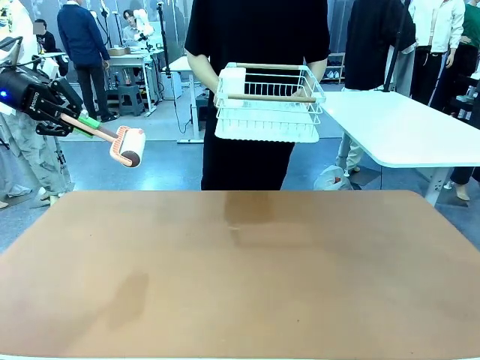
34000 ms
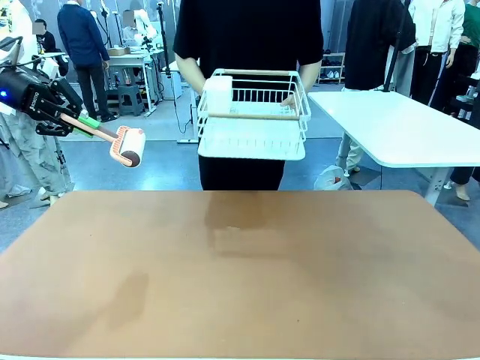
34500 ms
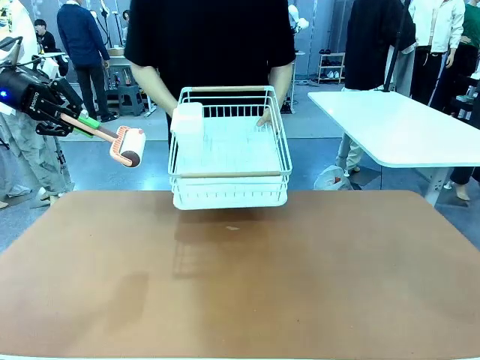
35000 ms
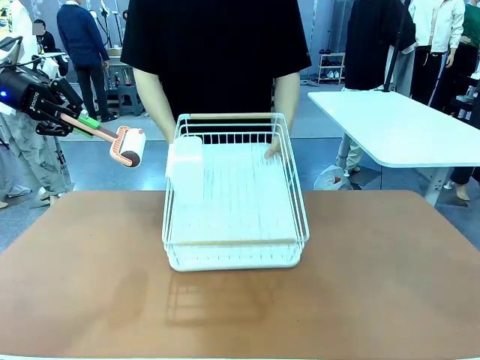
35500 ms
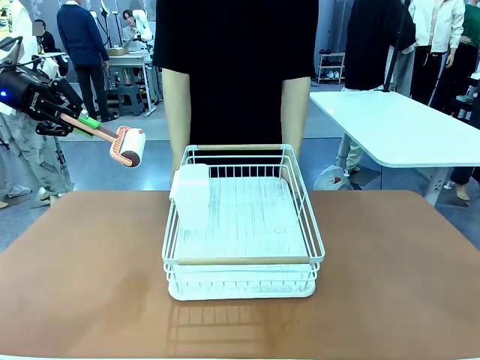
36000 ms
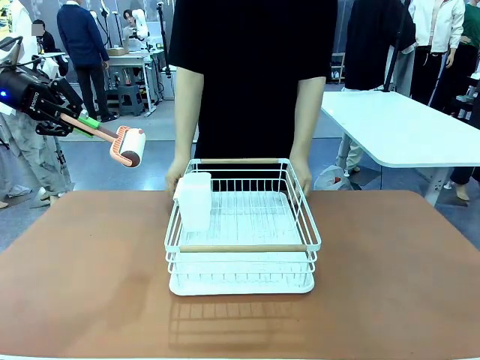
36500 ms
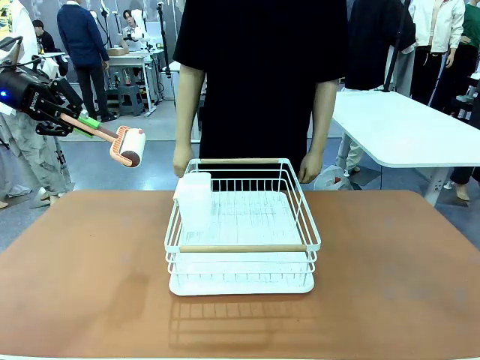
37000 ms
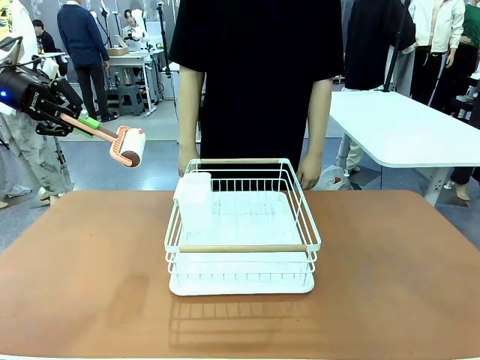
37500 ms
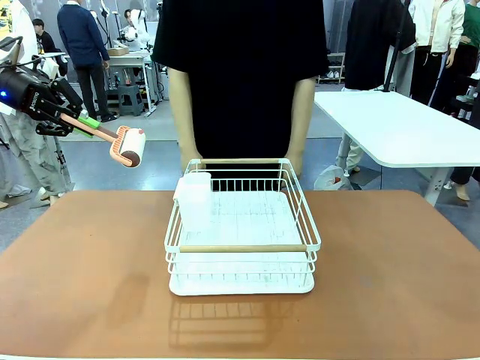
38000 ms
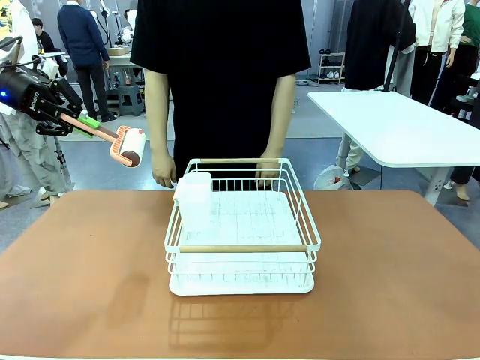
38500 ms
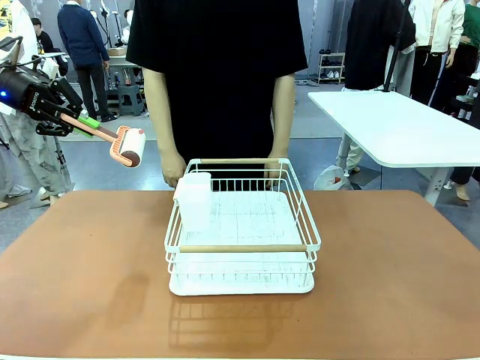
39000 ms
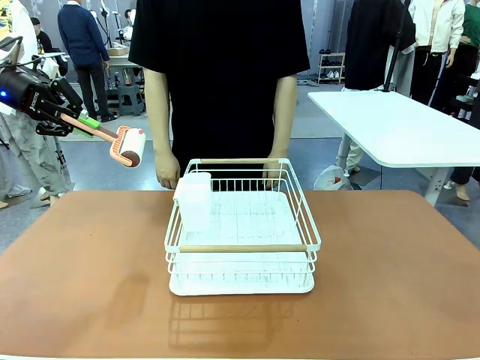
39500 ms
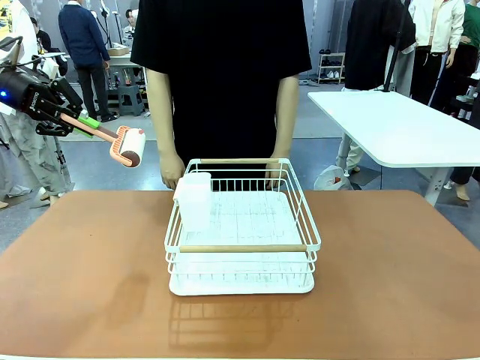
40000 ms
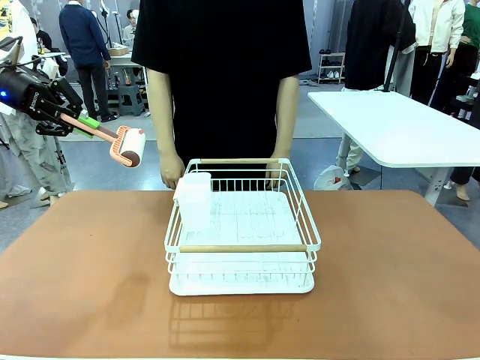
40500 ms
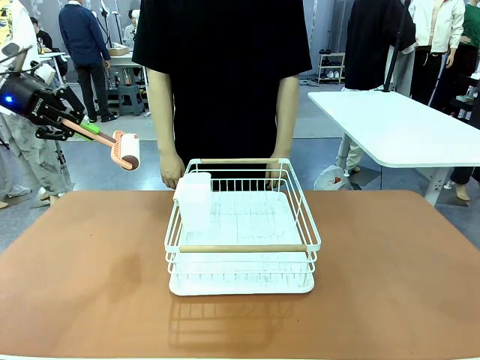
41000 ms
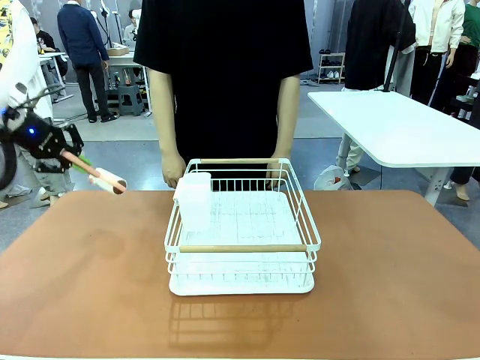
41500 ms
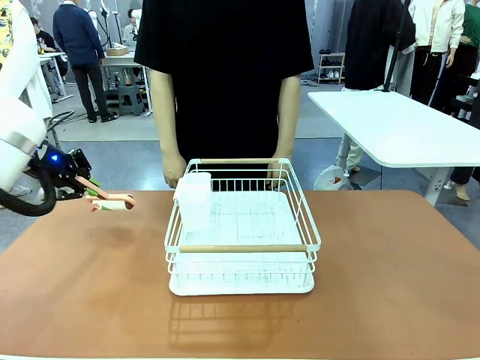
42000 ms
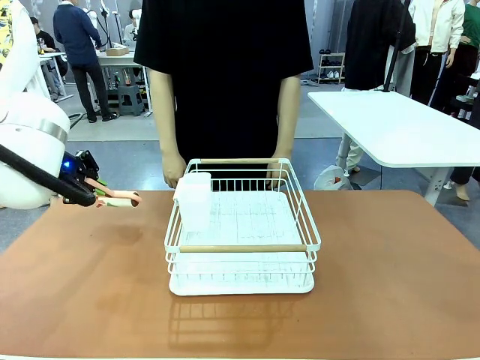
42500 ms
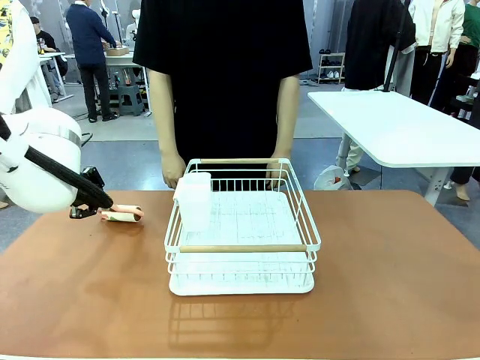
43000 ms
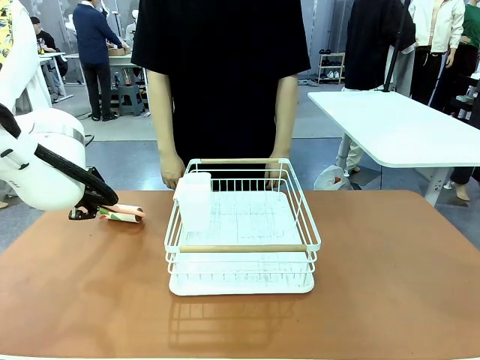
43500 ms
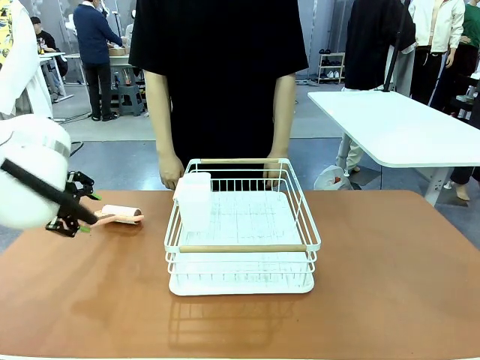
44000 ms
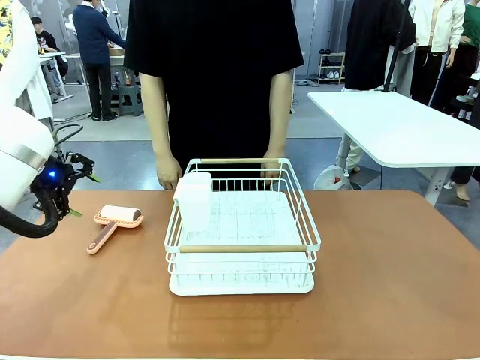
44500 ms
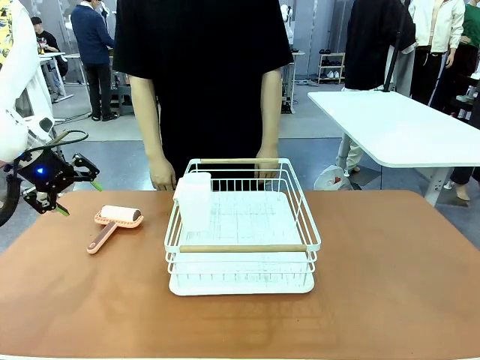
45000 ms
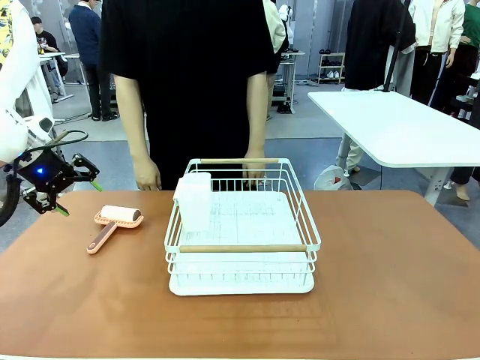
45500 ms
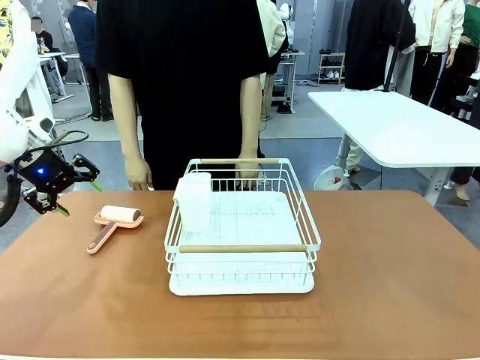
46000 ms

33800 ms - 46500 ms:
Task: Clean the table.
Robot: Place the Lint Roller down when the Dish drying rack is positioned in the middle of the table.

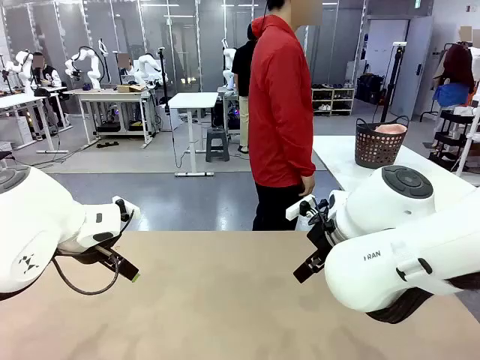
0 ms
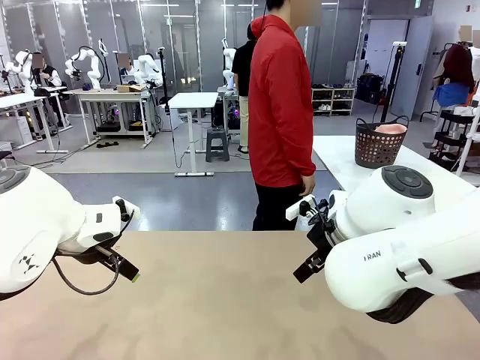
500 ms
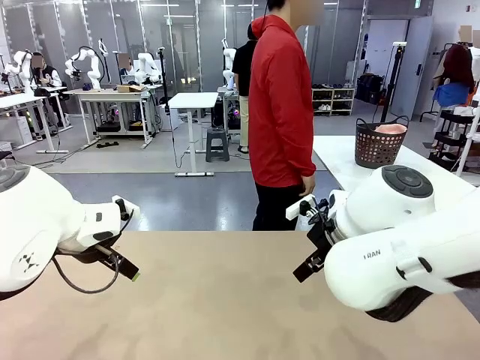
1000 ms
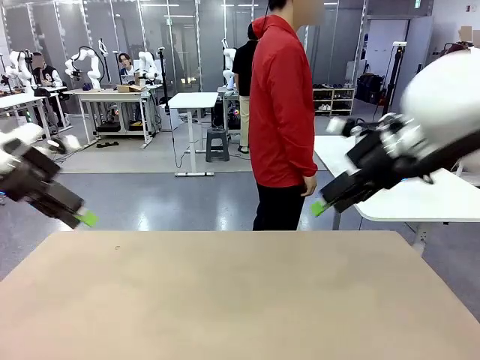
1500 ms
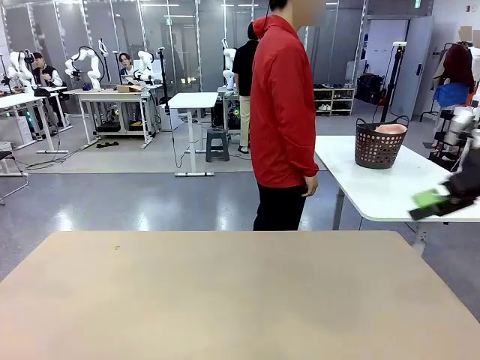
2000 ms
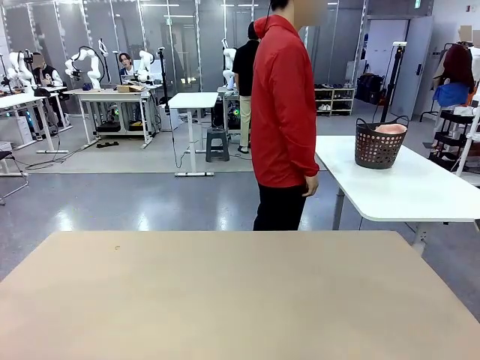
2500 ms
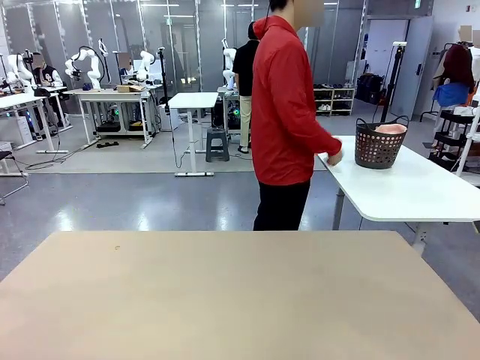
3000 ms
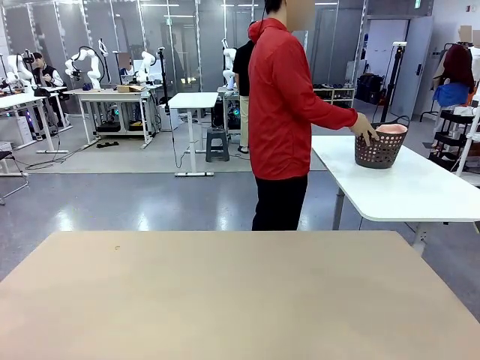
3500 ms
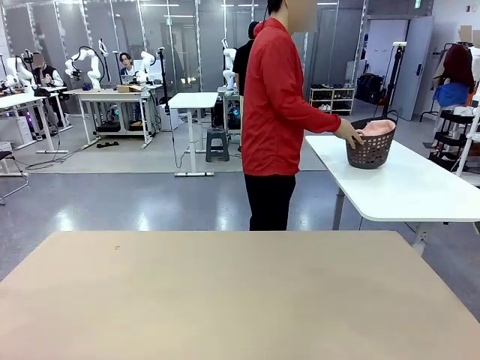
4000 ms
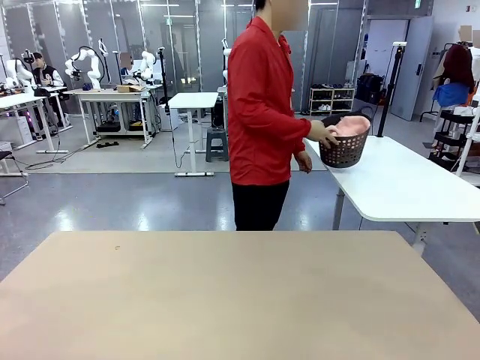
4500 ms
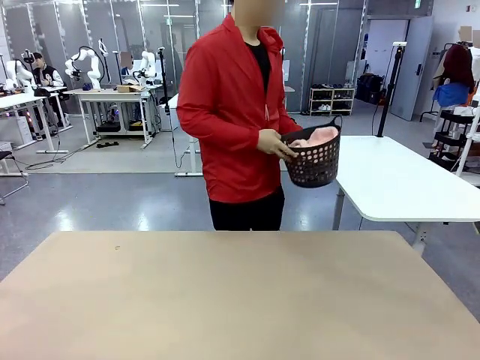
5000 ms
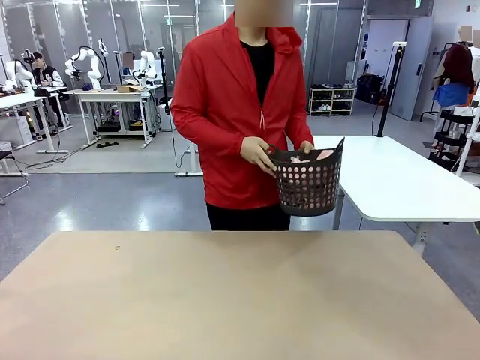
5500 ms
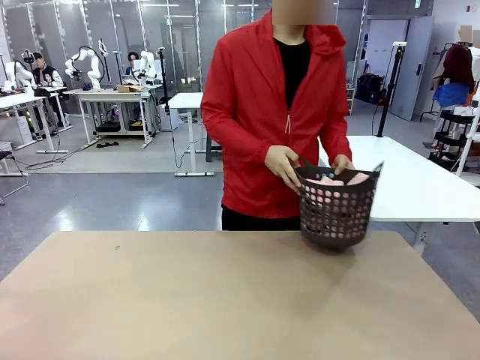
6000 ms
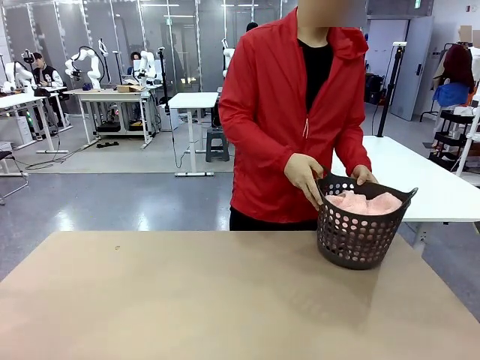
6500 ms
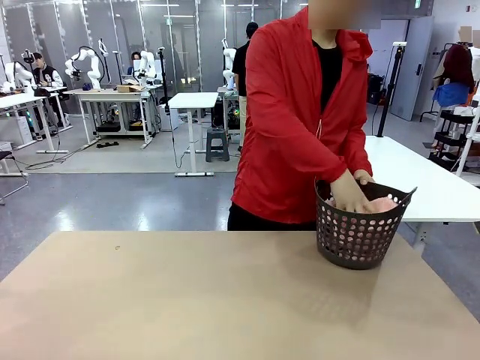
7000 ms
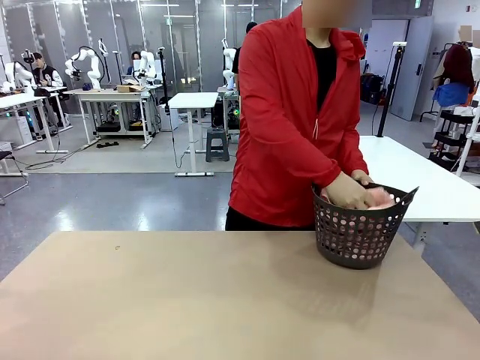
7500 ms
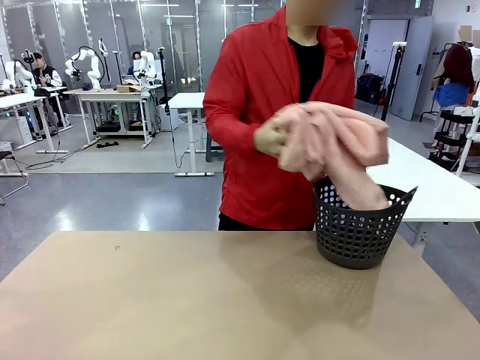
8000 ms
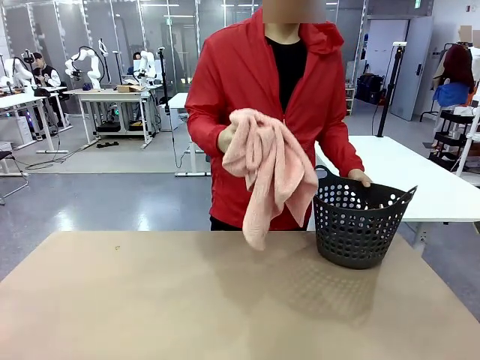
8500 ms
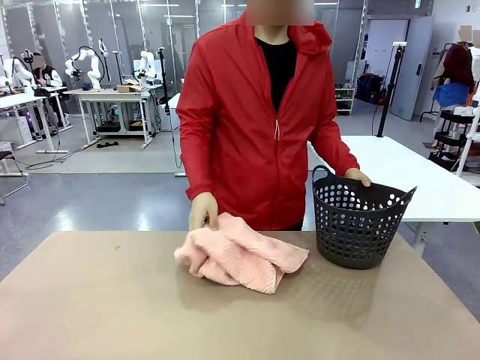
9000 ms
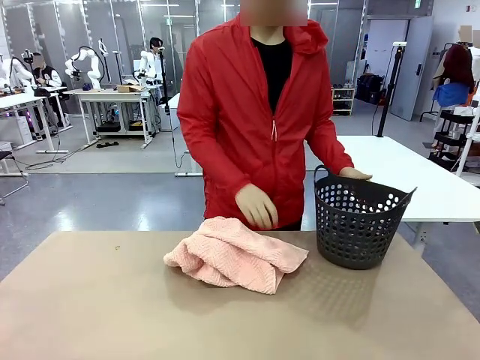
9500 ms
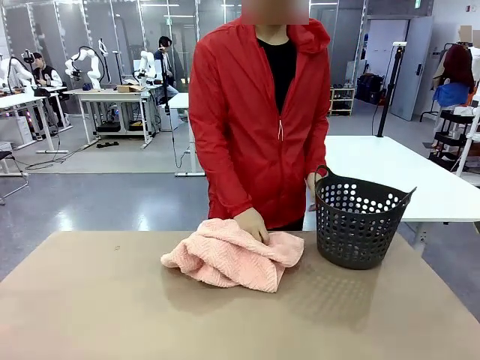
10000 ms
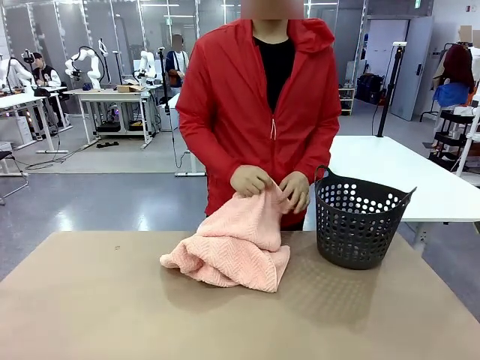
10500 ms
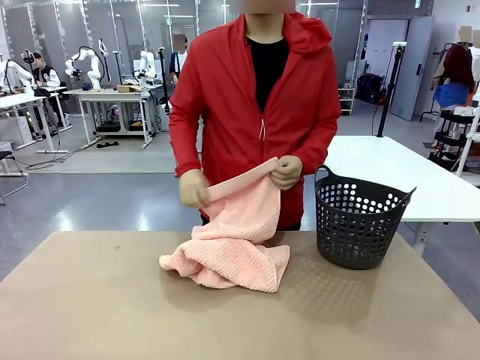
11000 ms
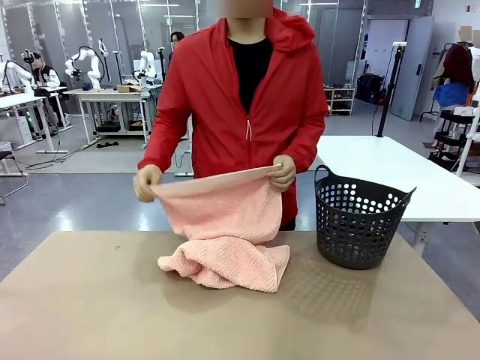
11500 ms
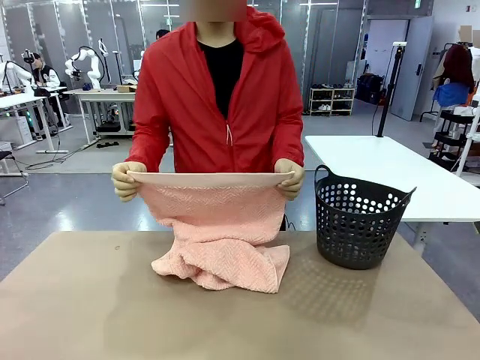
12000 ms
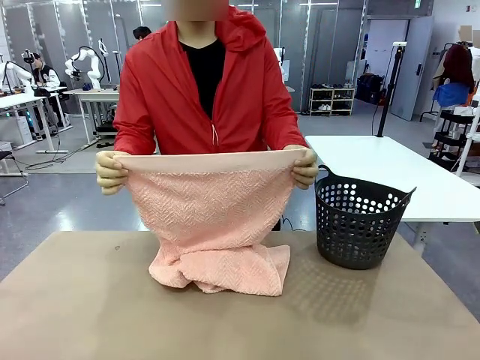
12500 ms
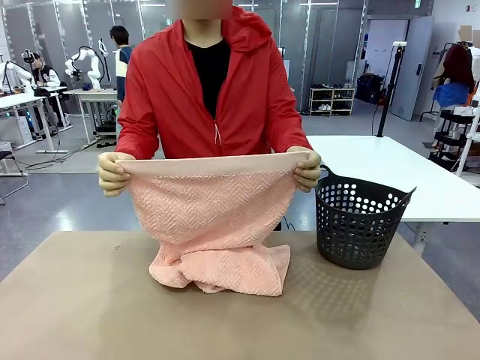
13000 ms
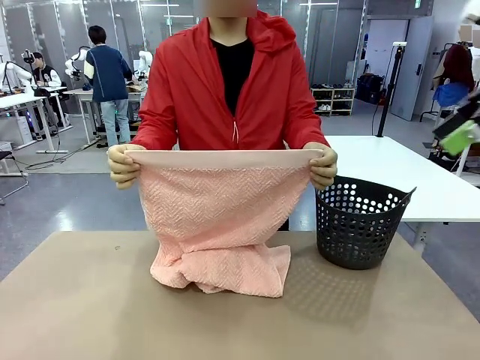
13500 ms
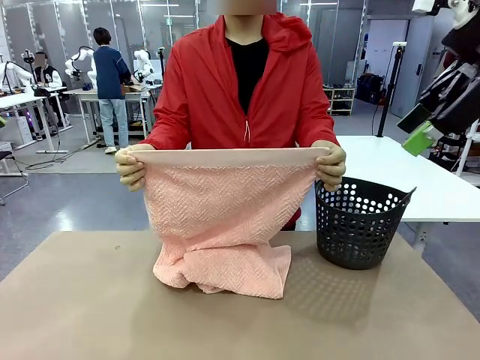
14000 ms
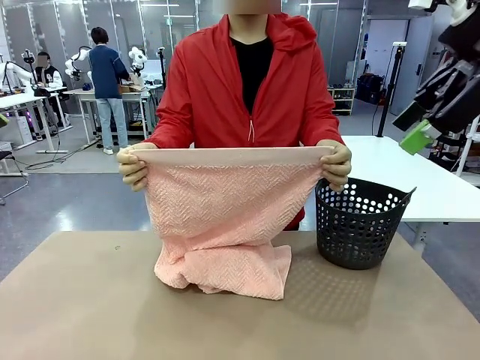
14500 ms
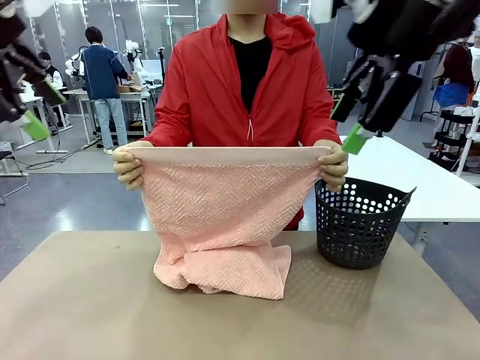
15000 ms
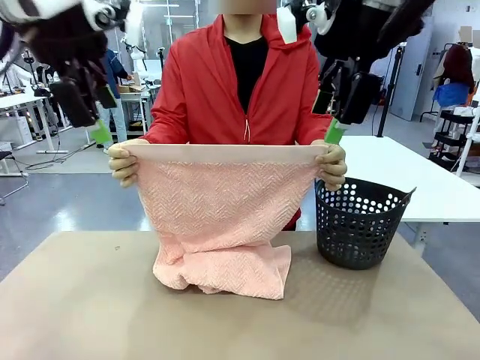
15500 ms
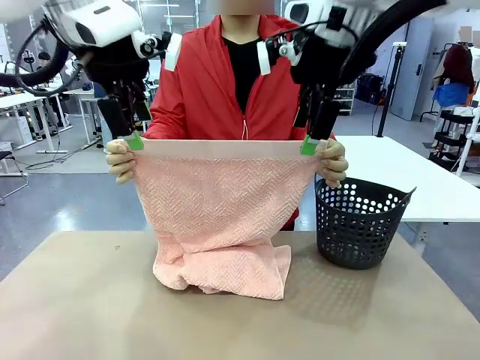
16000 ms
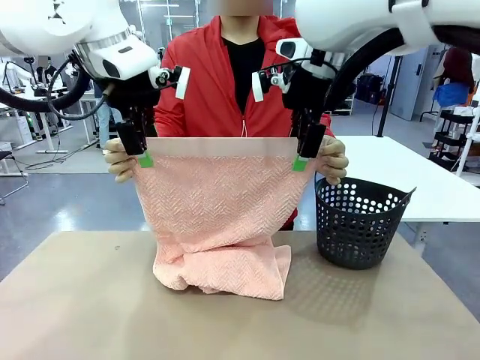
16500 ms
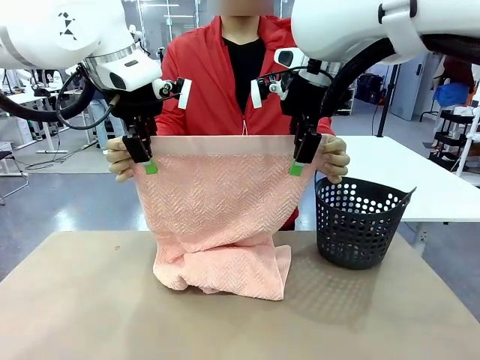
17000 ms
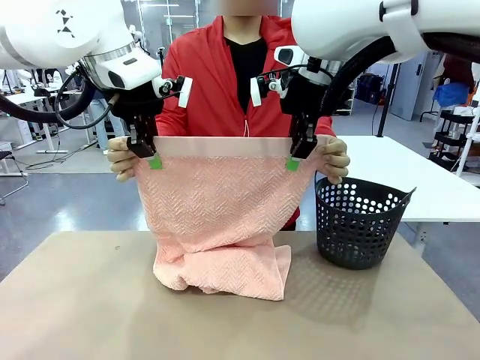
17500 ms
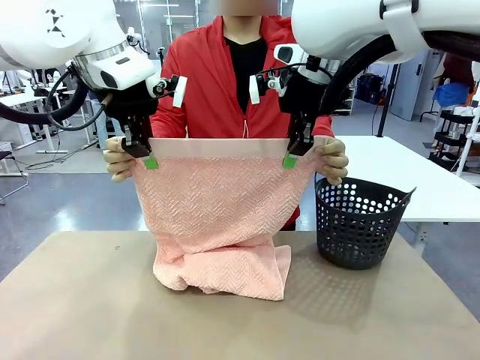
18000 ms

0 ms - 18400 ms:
Task: Fold the towel.
Robot: Grab the top end of the 100 cm Hotel Towel extended by the human.
Person: Pick up the laundry basket, place it on the left side of the robot table, then take out a towel and hand it to the robot while holding both corners of one end.
